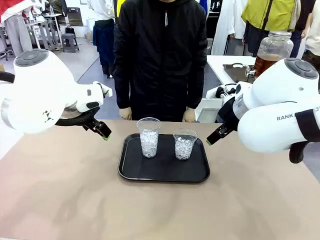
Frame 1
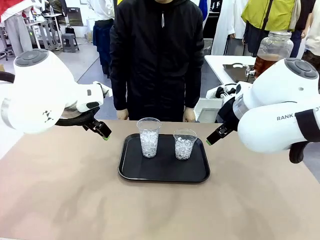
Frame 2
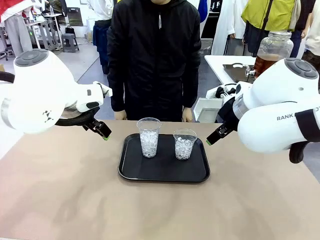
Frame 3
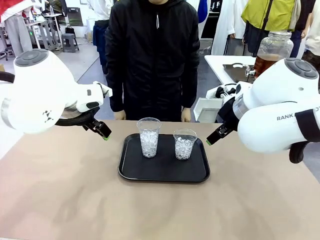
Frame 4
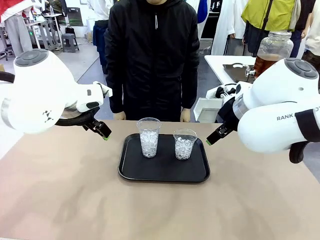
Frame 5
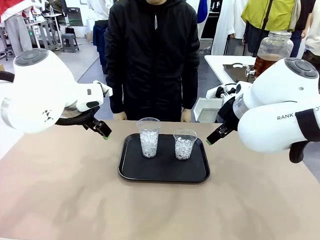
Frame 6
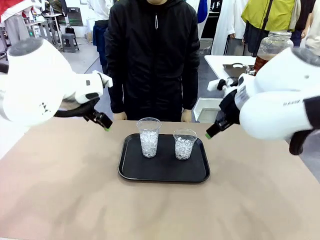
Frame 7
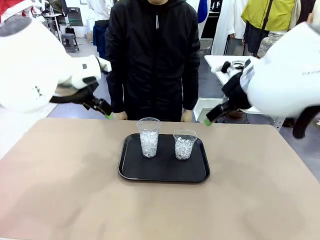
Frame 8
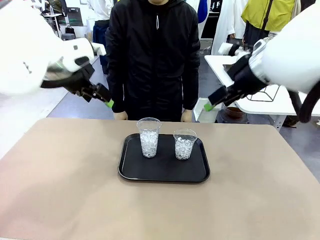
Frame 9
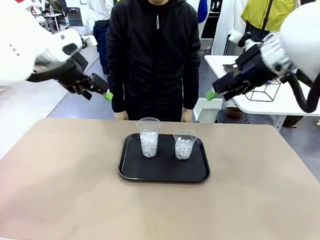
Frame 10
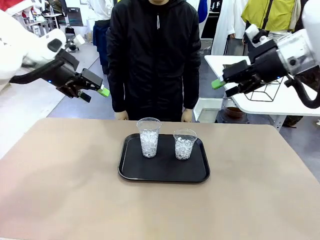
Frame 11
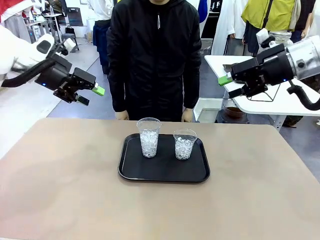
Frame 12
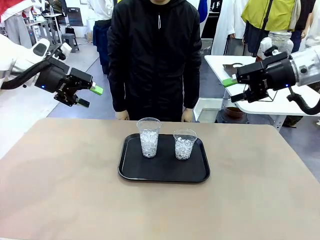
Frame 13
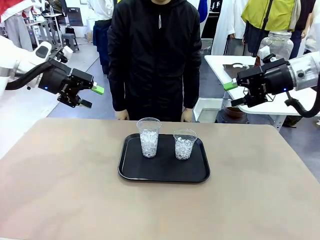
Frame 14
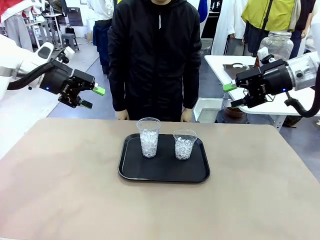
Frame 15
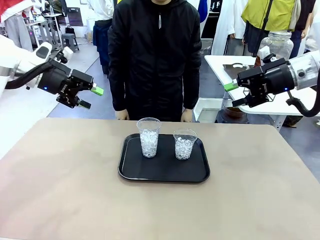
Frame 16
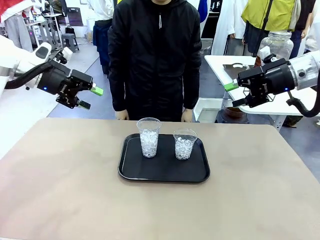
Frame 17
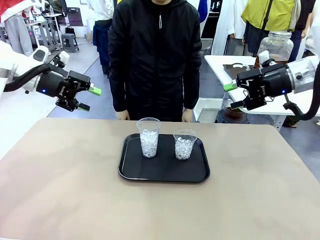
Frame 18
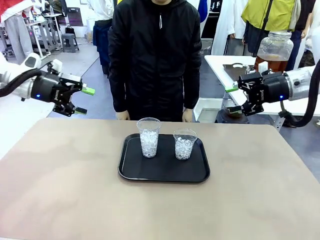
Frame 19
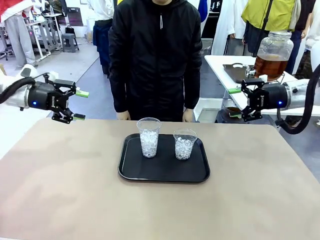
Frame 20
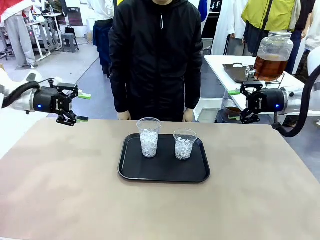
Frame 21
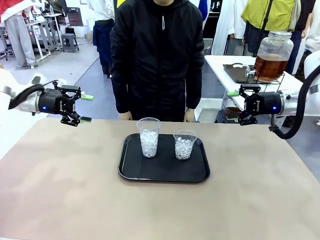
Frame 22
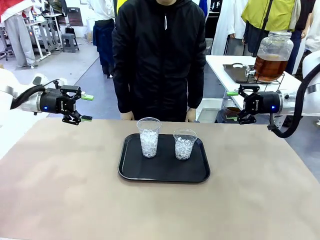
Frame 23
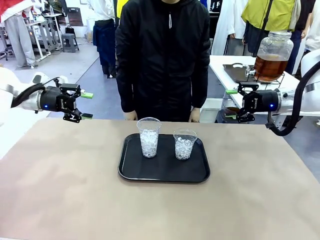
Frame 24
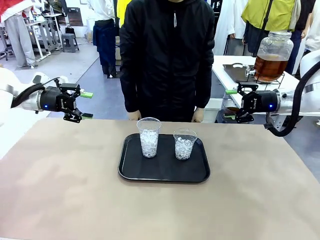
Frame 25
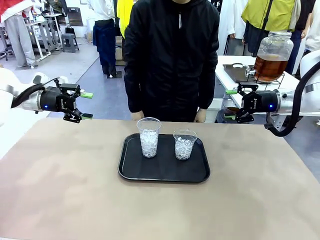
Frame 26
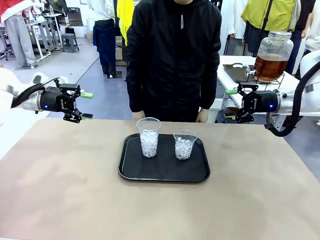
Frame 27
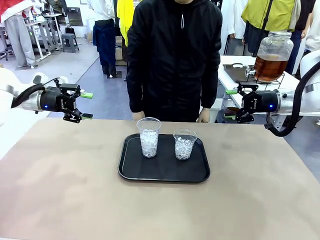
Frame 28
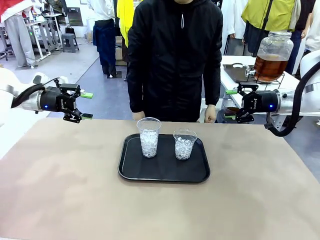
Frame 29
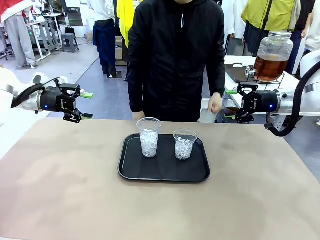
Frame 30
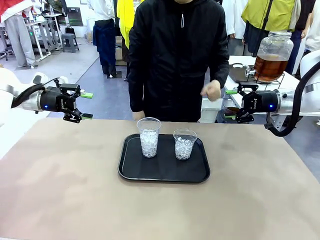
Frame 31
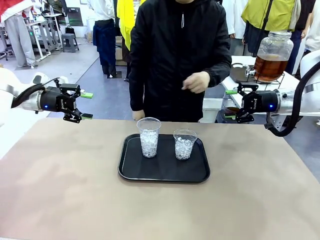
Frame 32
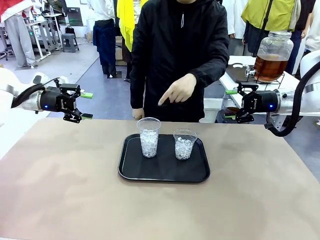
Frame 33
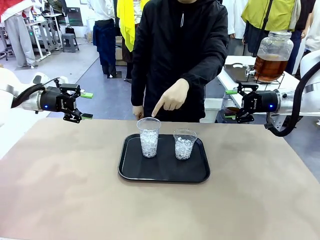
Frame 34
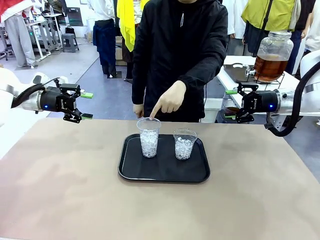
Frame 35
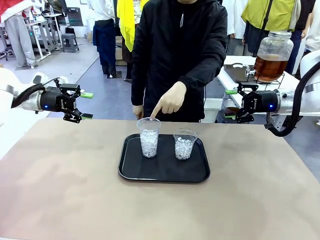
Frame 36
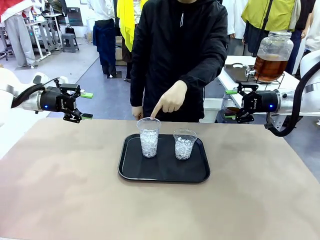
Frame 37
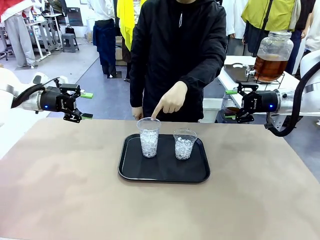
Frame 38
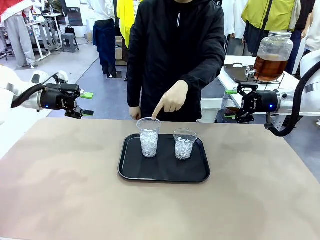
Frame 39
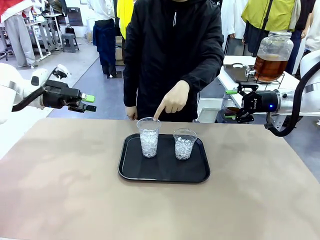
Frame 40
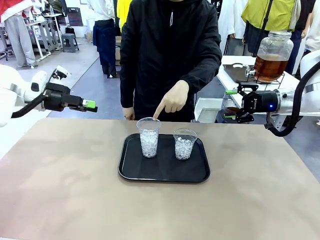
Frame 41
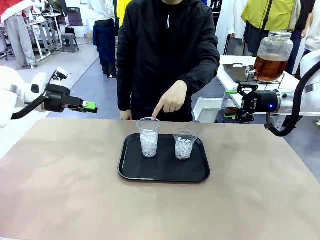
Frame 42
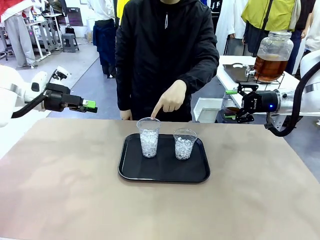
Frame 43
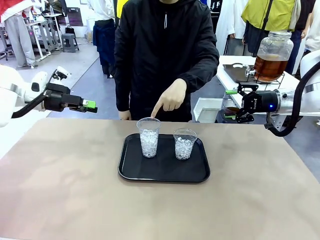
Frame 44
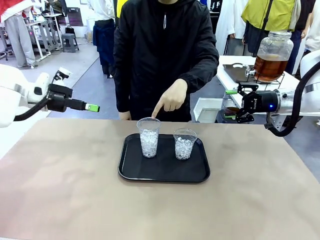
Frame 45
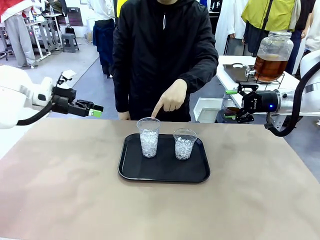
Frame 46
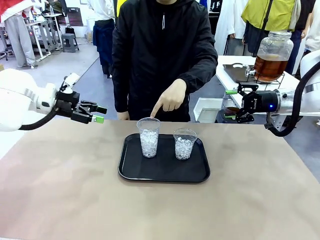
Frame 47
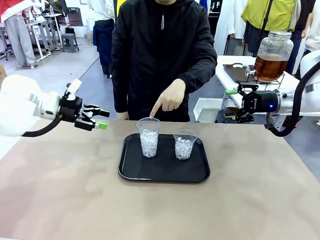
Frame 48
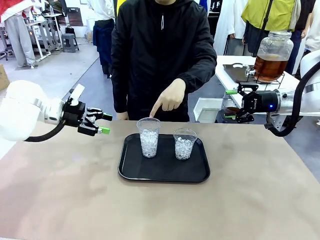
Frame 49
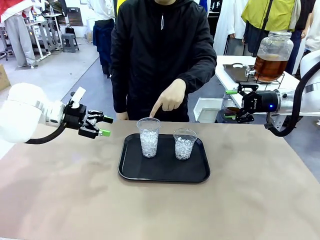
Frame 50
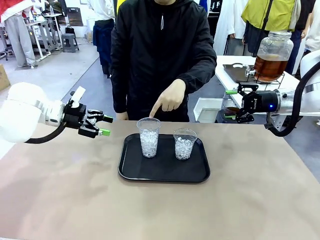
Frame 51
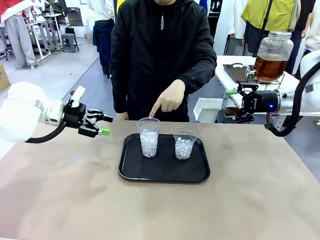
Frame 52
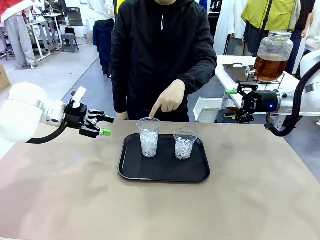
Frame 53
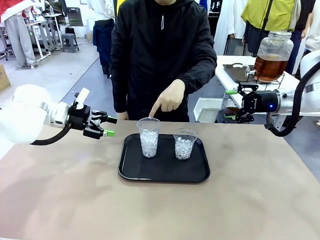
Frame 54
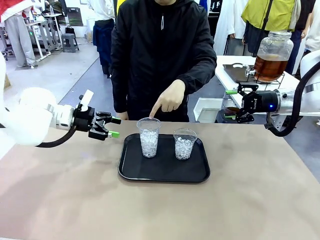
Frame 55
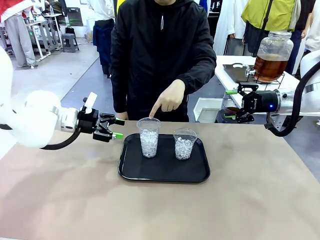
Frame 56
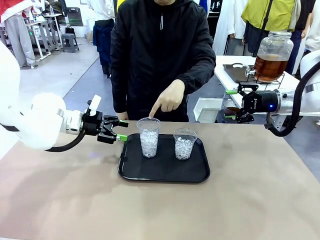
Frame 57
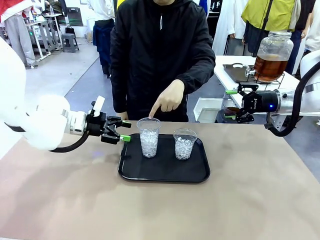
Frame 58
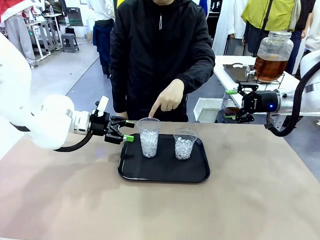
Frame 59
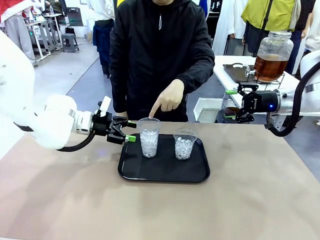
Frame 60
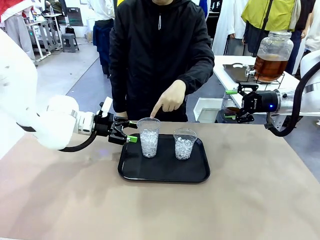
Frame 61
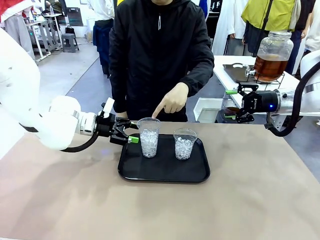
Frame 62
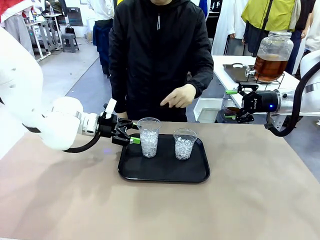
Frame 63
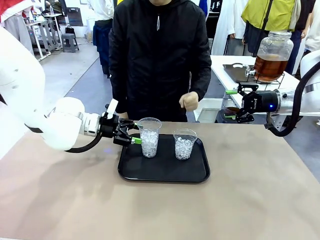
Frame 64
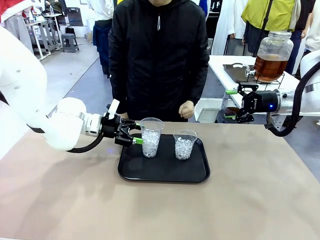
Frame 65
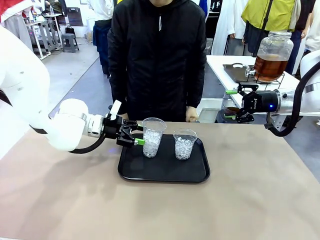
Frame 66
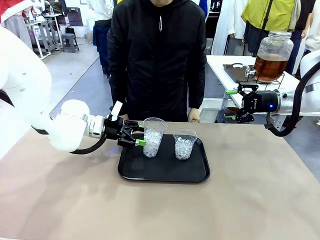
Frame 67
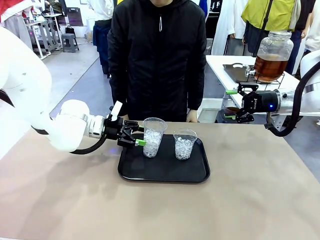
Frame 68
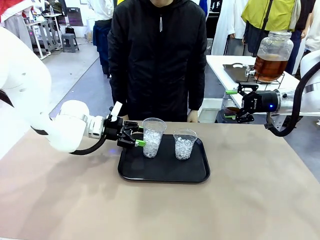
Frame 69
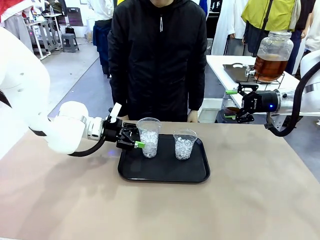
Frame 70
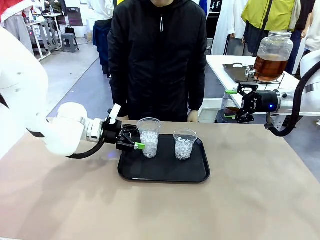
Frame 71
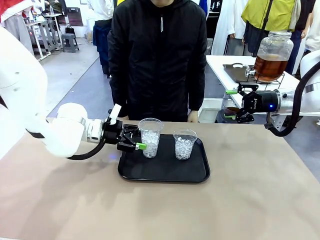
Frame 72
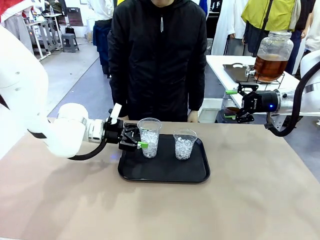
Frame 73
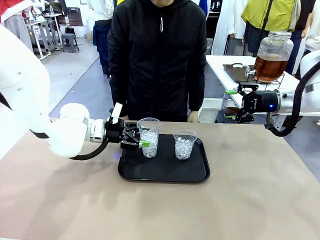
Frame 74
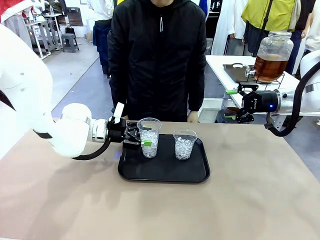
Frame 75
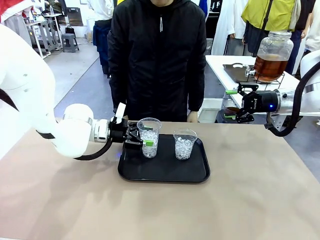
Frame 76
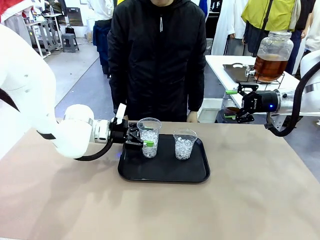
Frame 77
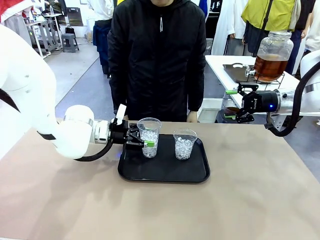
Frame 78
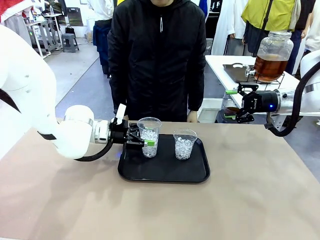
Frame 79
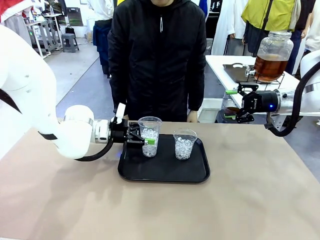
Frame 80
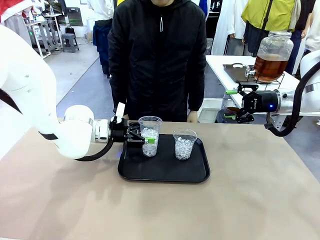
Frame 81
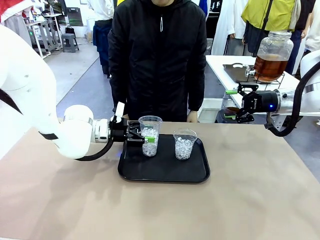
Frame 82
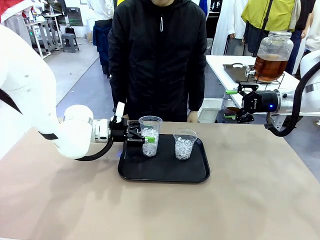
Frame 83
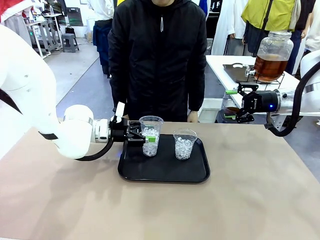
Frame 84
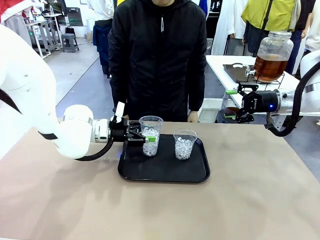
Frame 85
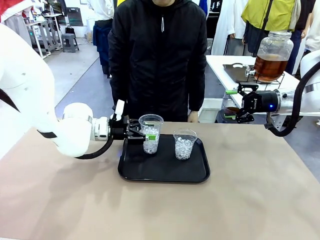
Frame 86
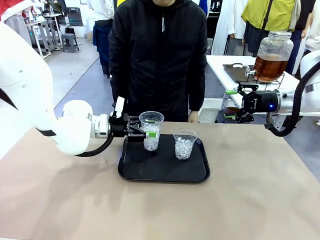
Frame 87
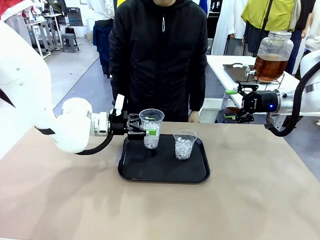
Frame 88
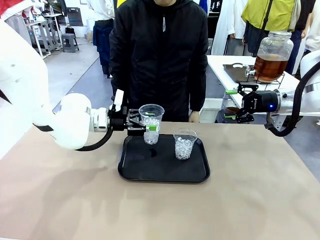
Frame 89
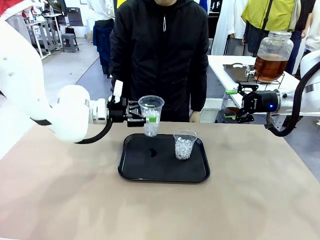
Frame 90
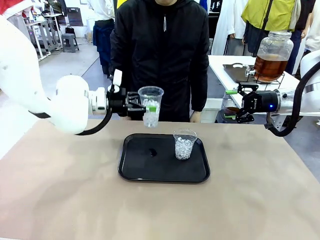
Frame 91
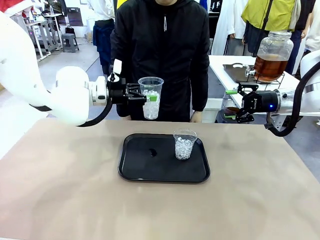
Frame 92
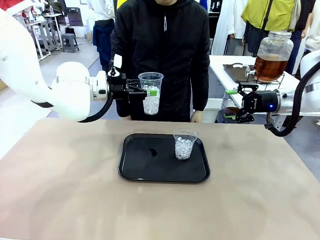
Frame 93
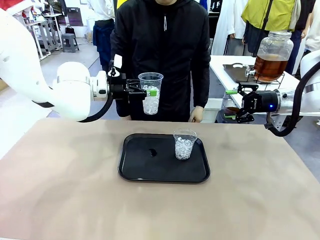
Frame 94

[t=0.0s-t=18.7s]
Task: Pour the drink into the iced cup.
Robot: Pick up the iced cup indicated by the human and present it to them.
Person: Point to one of the two ice cups. Pick up the cup offered by the robot.

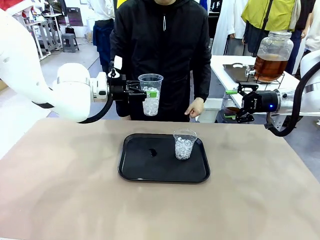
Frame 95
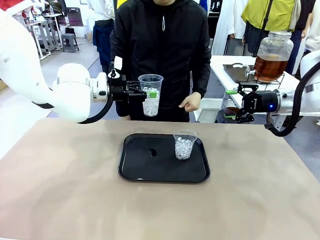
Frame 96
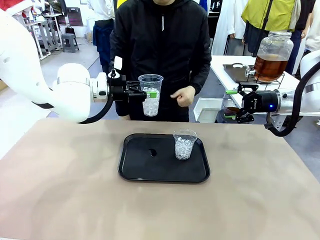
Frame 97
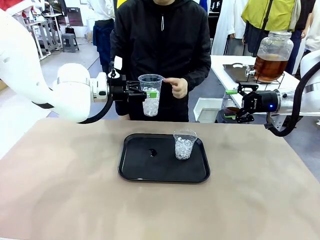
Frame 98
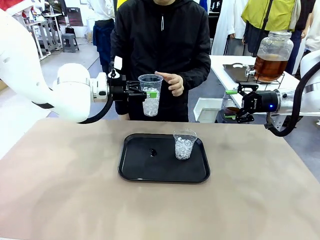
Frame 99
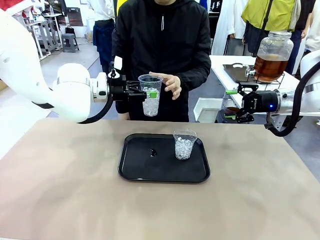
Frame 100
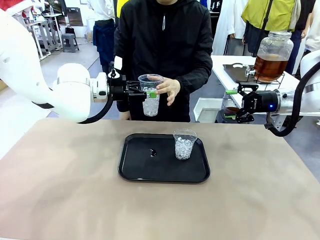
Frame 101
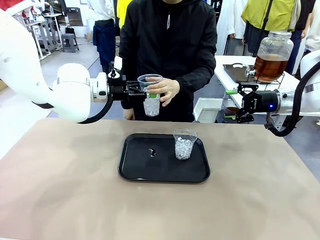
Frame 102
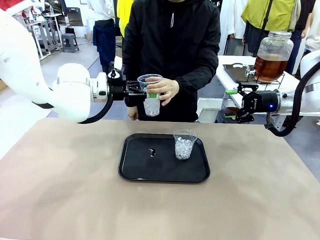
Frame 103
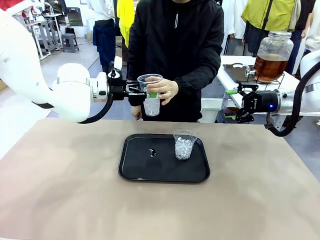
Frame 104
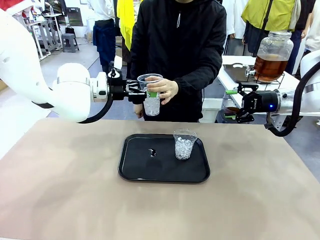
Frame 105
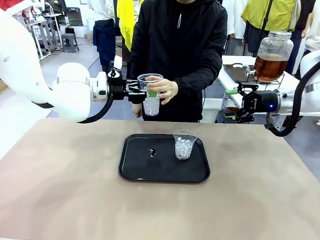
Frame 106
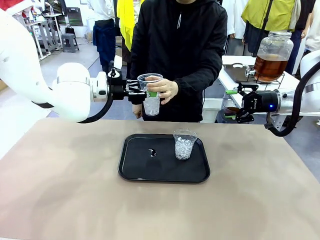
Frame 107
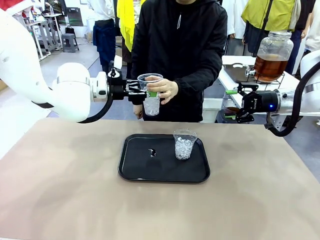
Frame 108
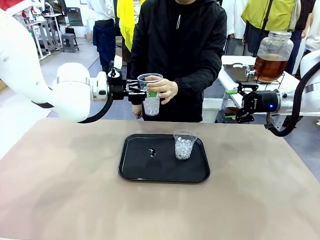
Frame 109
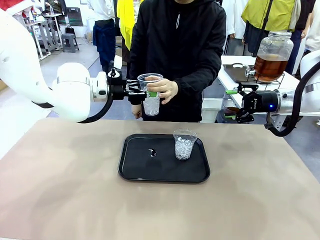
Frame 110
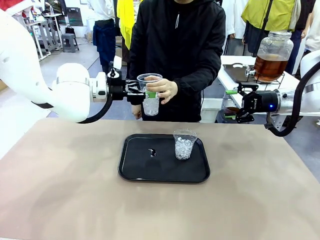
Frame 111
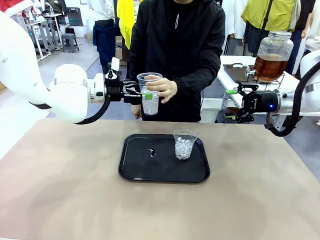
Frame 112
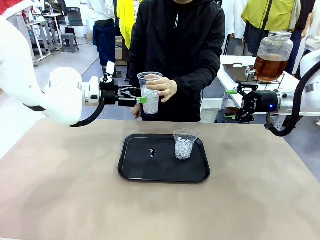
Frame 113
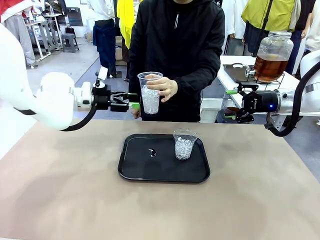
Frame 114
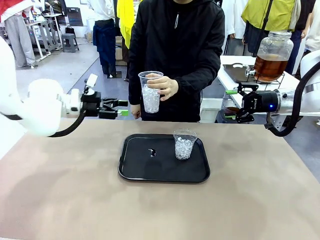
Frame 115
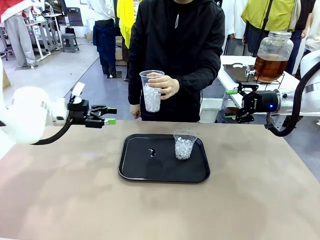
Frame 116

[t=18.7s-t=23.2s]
Robot: Open the gripper to release the iced cup you were holding.
